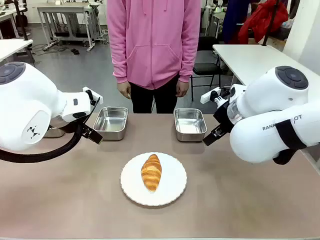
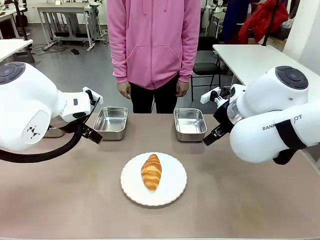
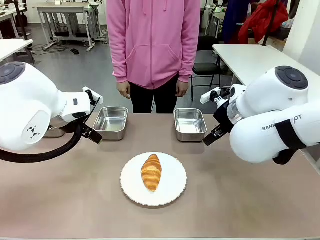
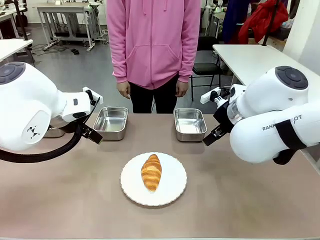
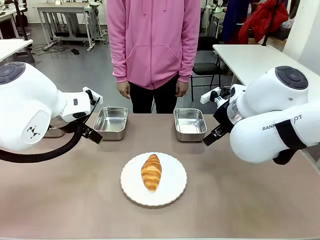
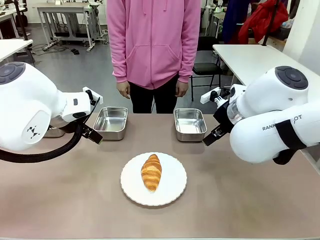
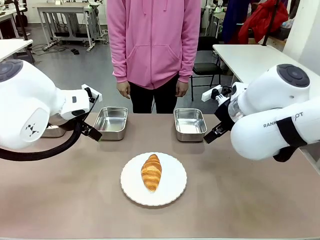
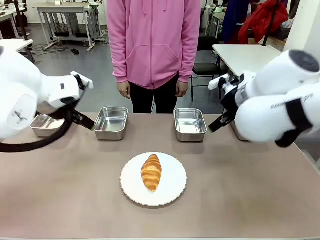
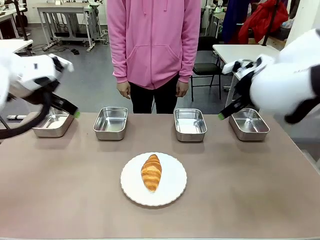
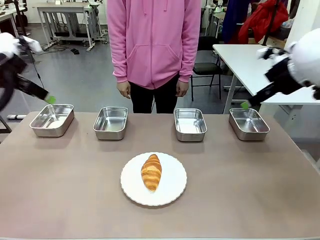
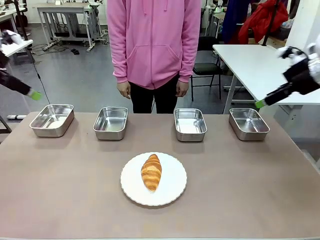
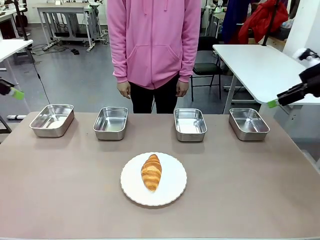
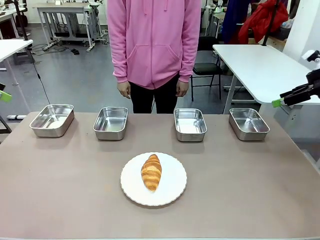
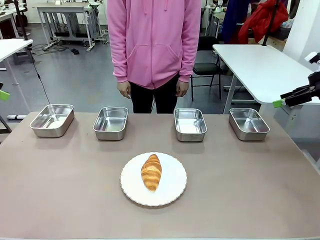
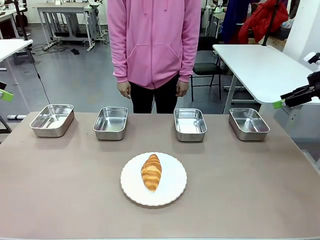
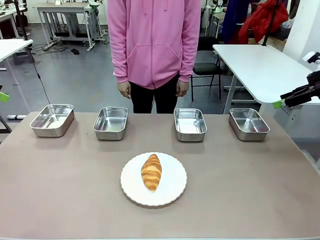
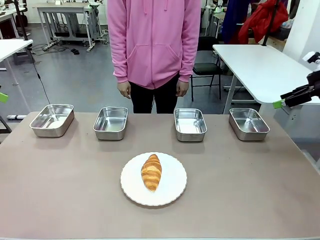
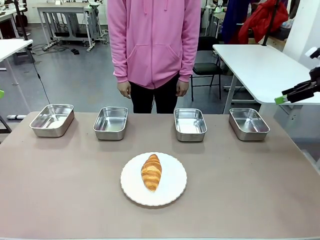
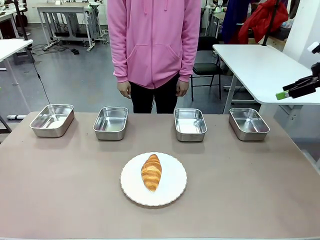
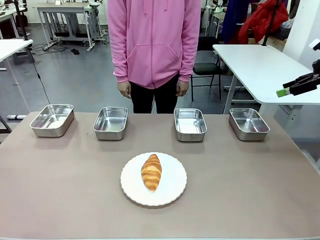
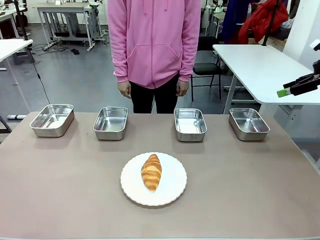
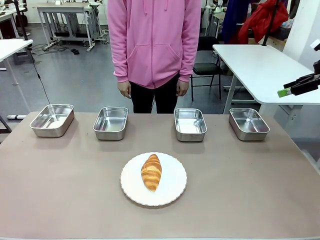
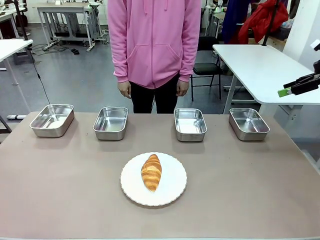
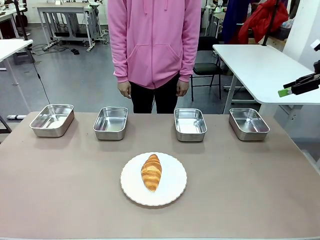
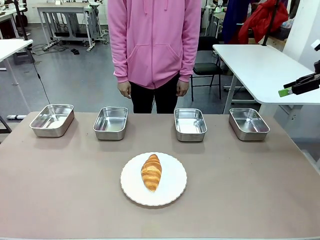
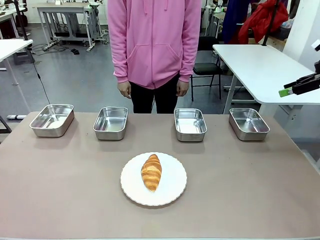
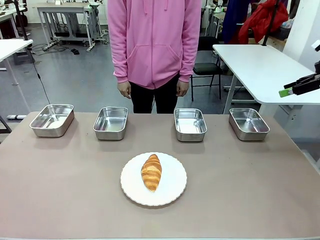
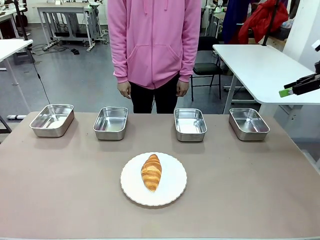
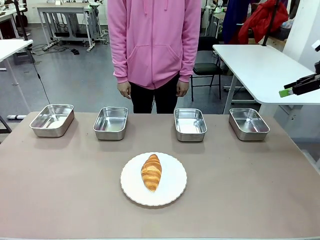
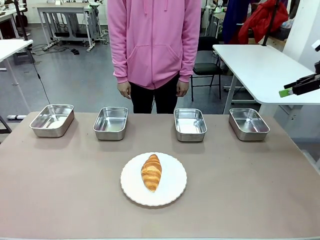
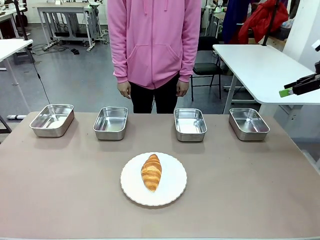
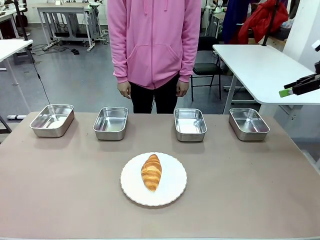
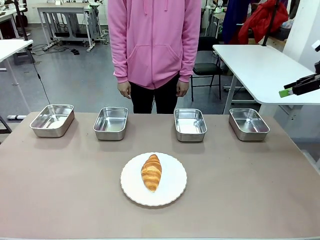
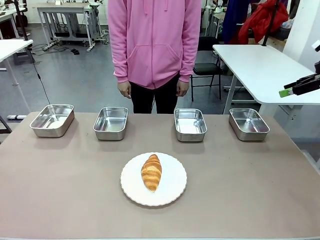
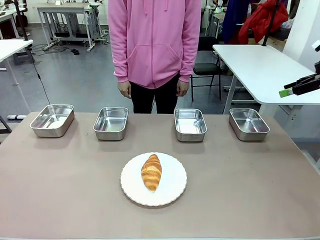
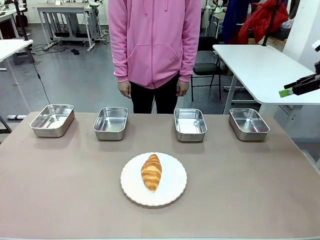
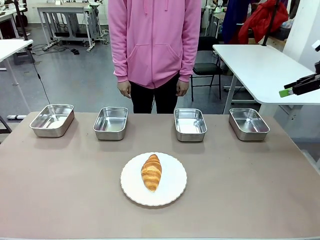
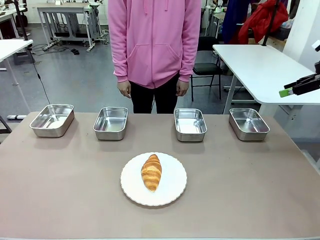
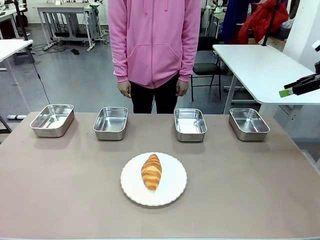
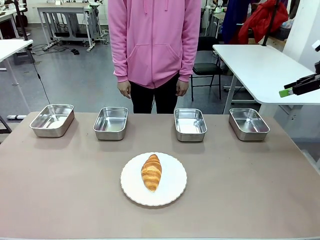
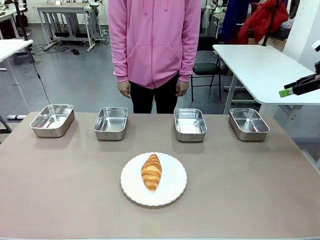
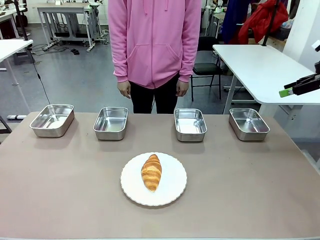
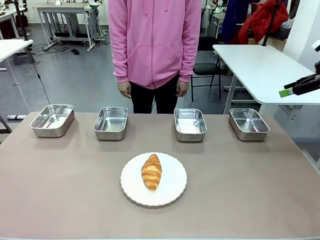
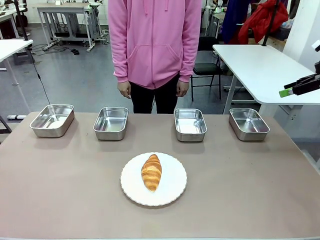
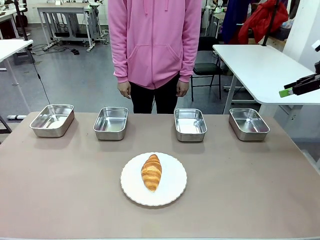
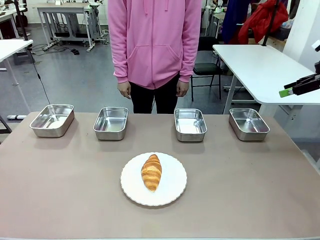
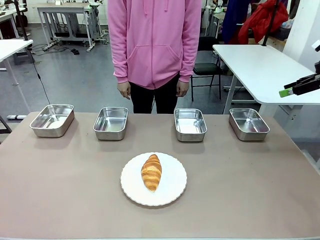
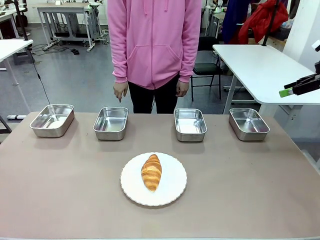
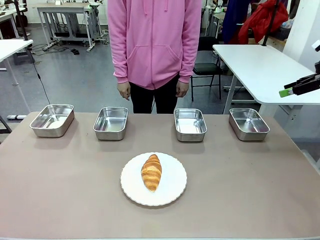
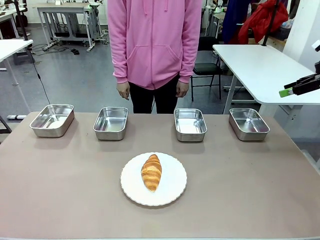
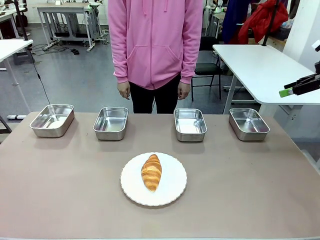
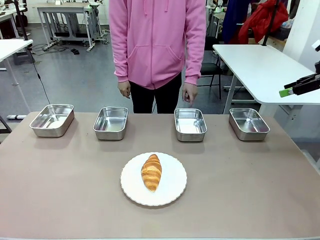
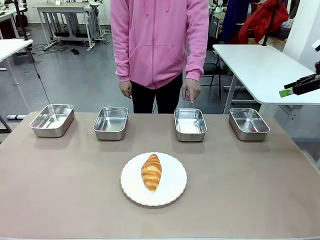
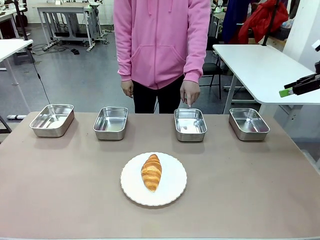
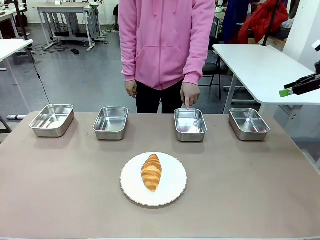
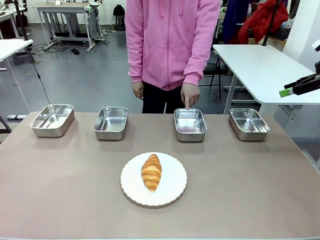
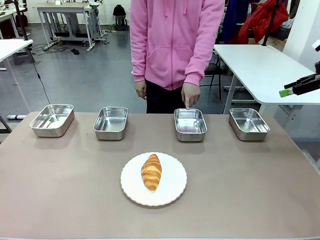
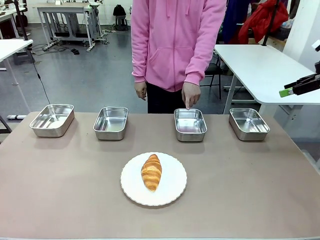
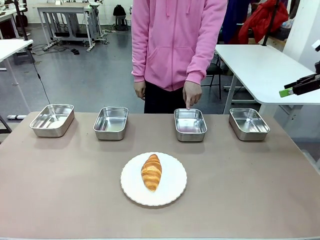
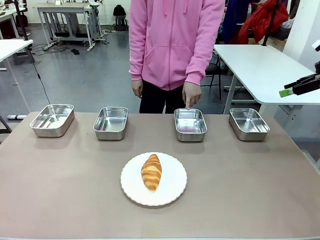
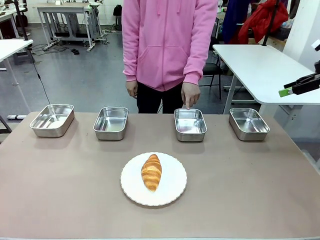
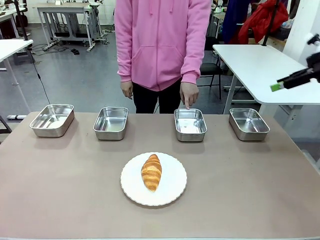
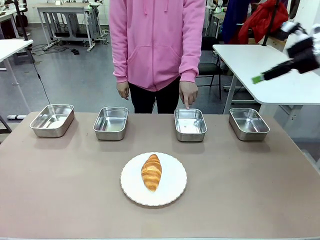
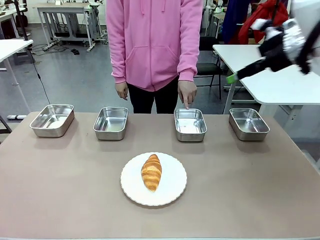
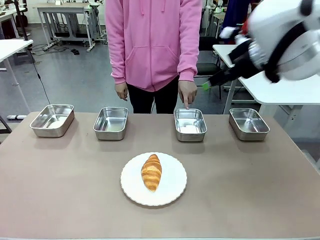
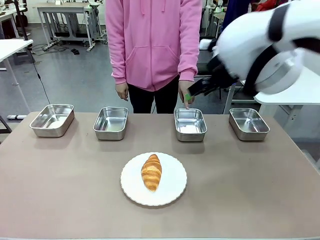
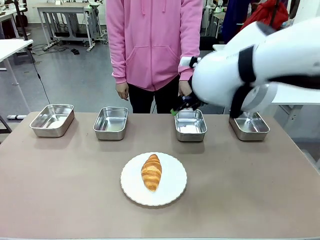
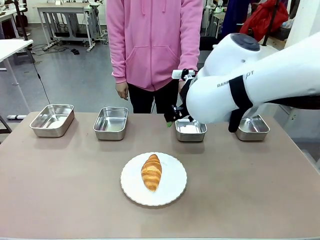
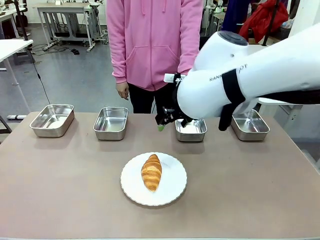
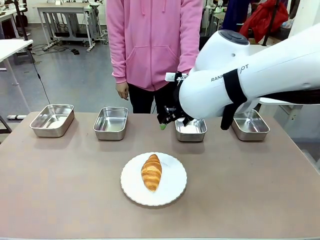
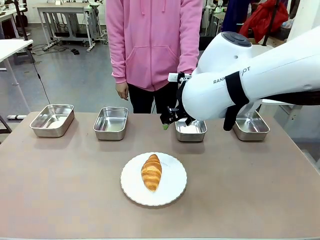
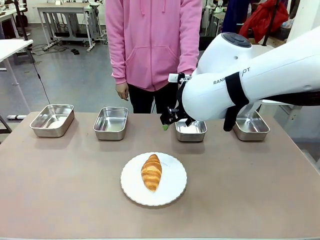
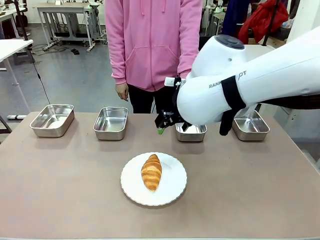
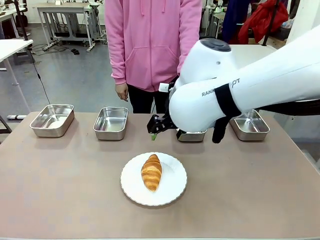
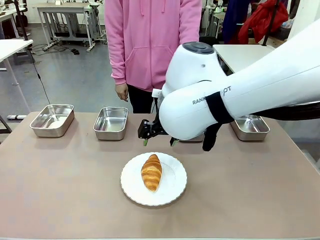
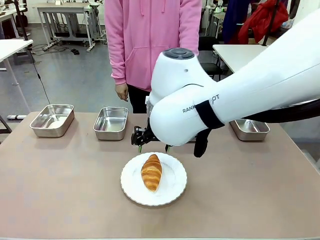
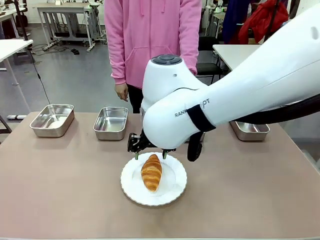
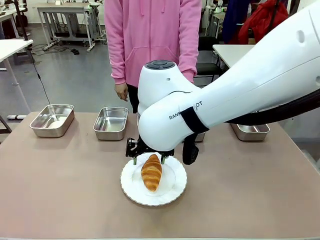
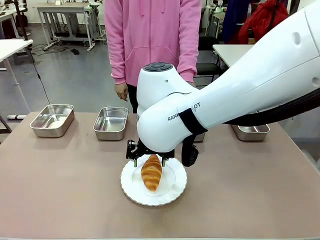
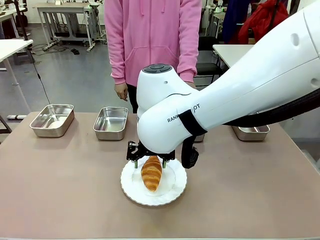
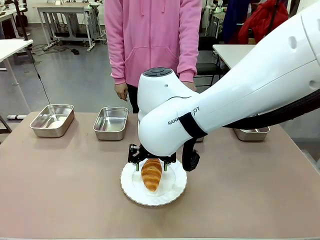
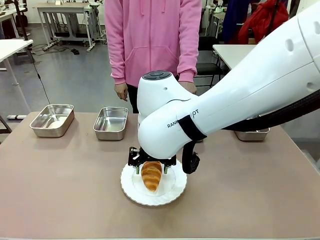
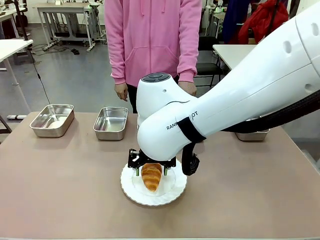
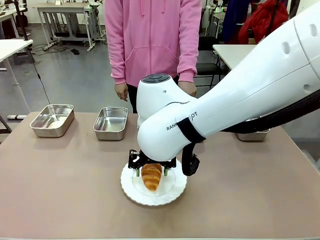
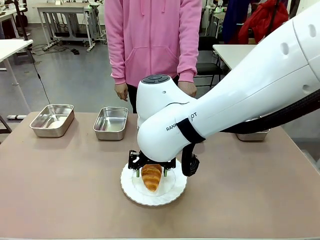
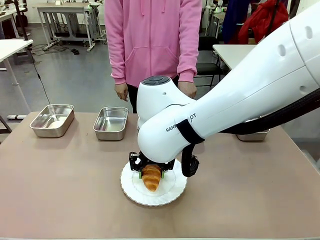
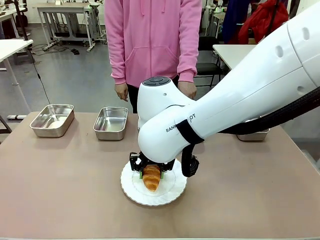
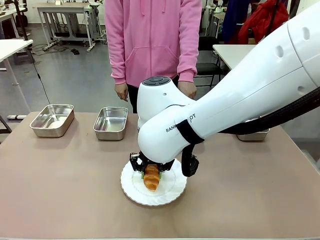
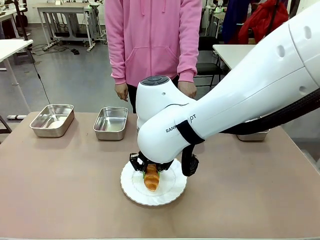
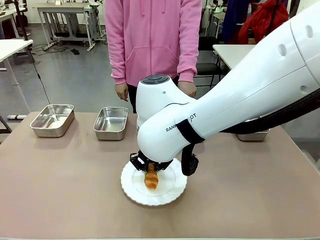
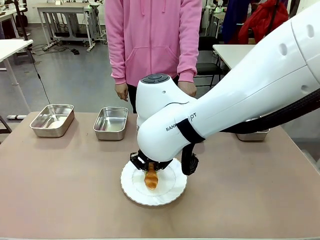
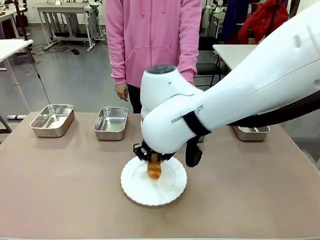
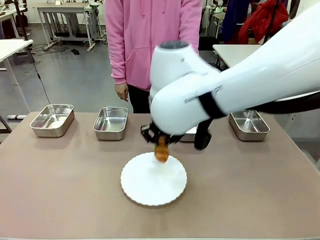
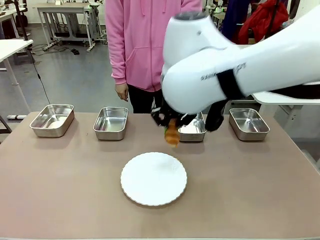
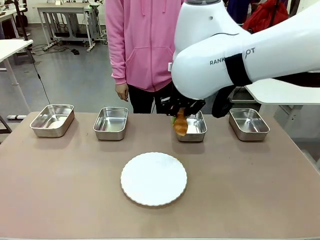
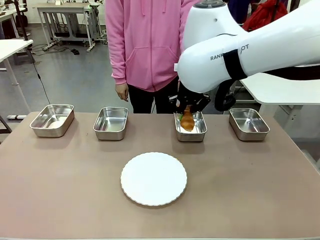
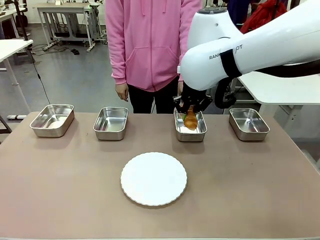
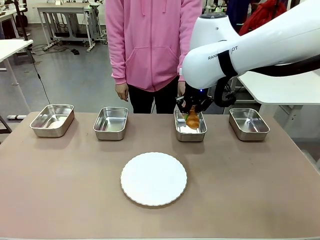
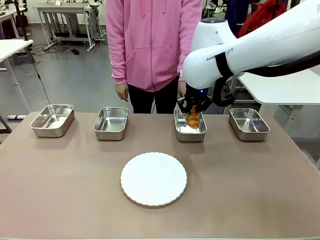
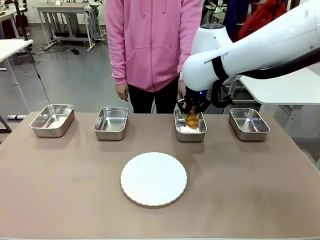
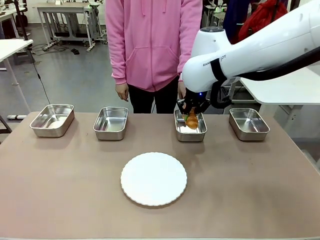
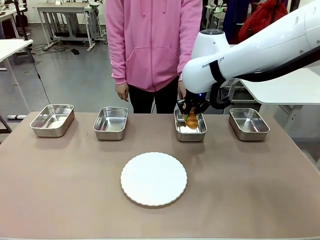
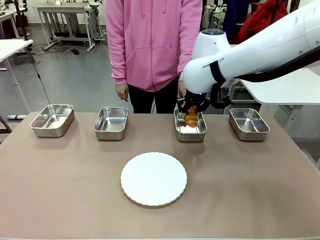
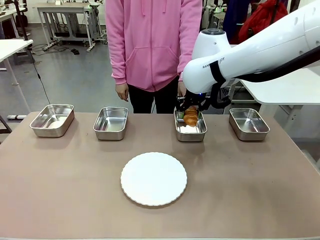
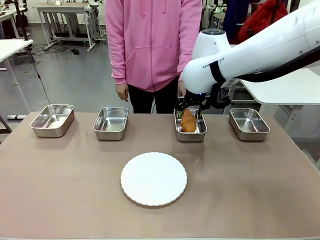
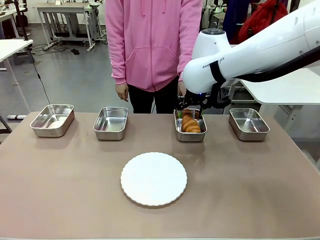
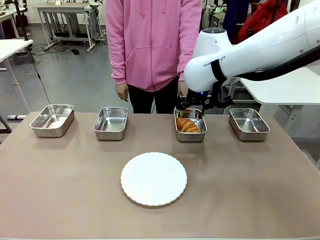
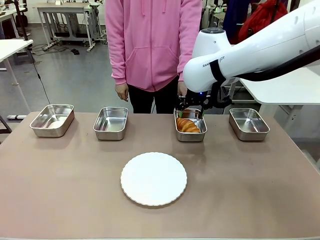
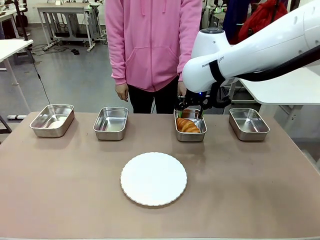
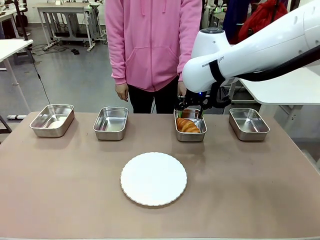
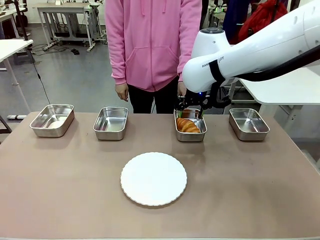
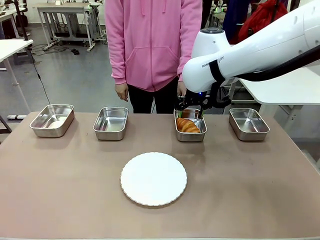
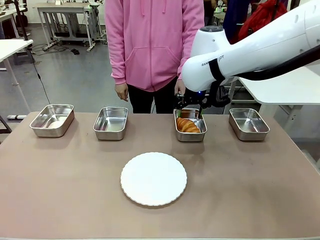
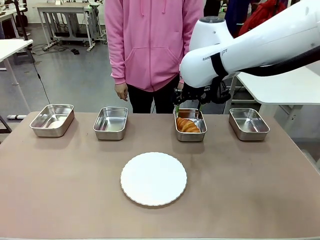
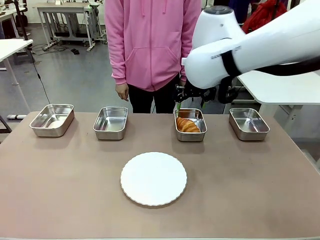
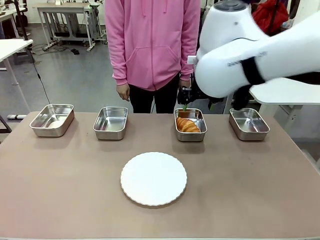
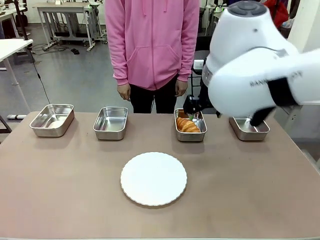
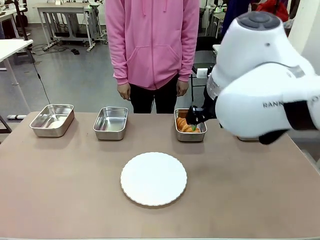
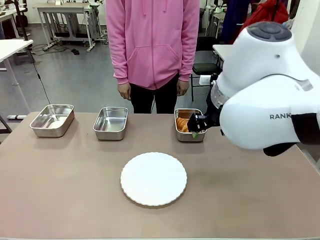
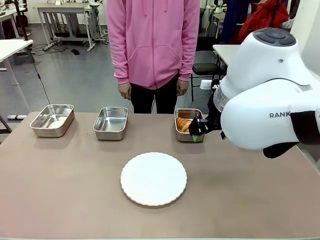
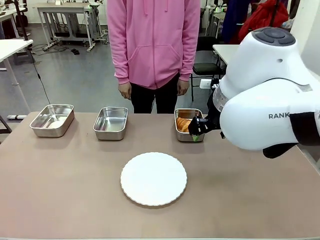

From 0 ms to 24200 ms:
Task: Place the bread in the container.
Robot: Place the Butter Roll into the Airtight Container indicated by the human.
Person: A person randomly selects and points to an Airtight Container.
